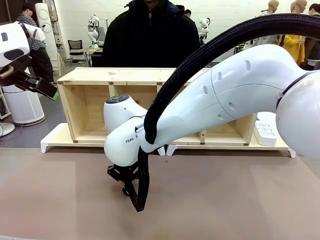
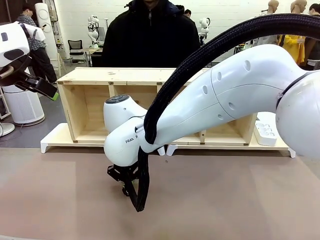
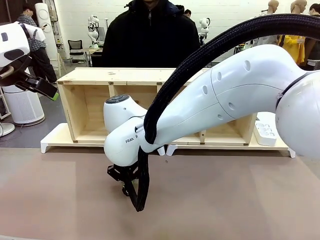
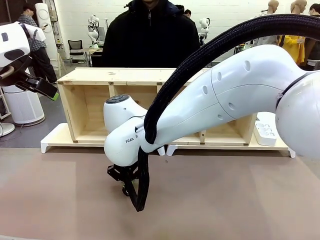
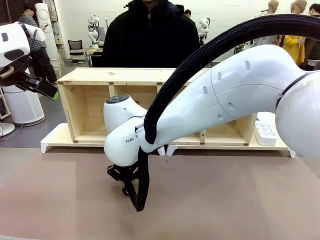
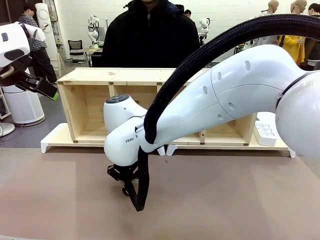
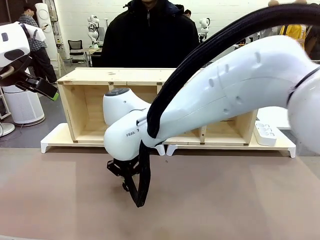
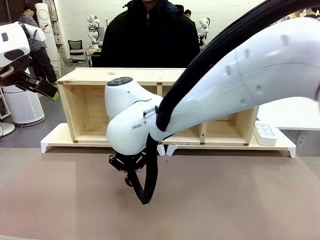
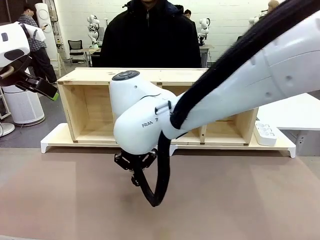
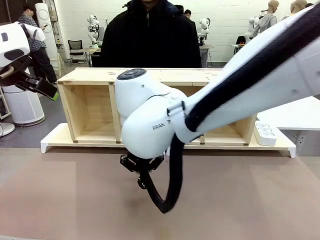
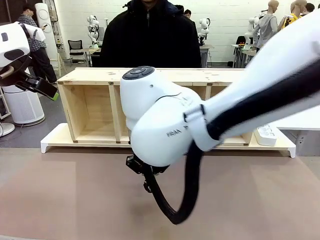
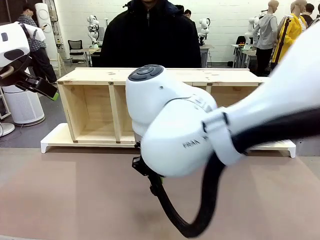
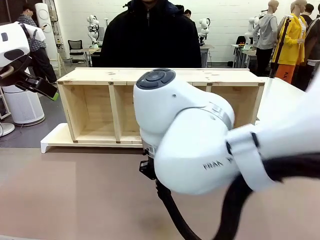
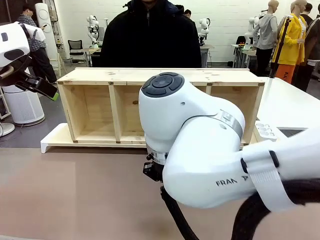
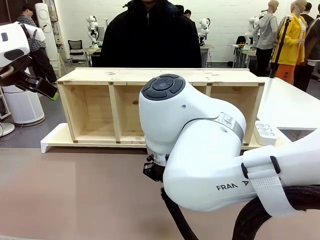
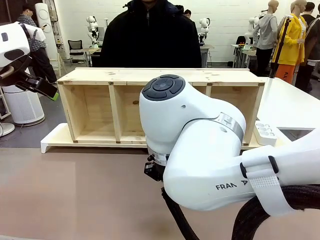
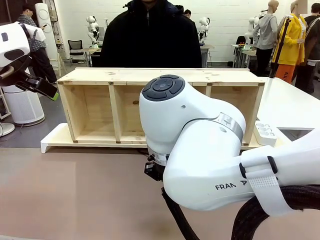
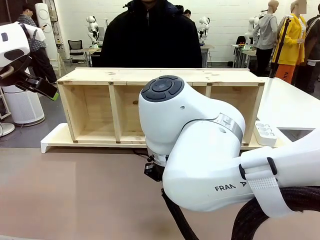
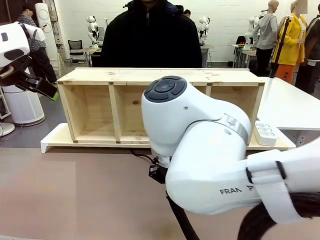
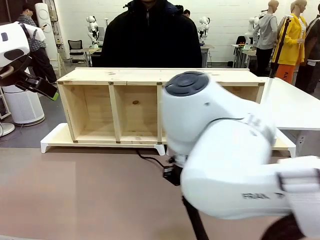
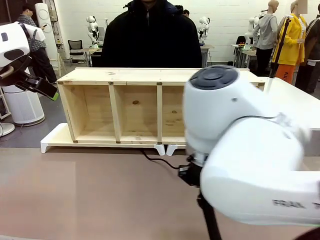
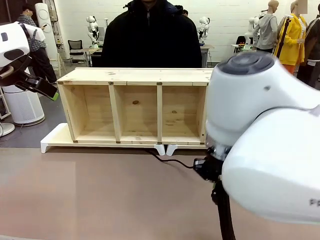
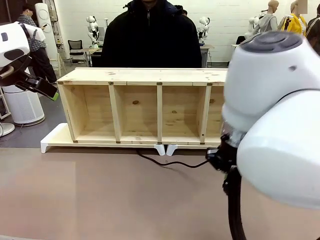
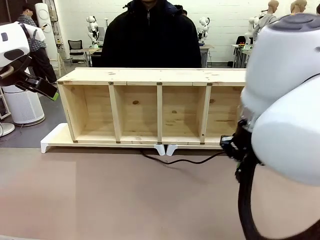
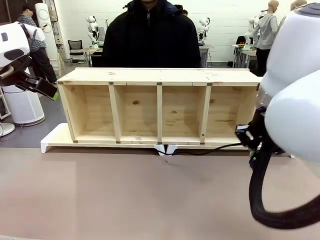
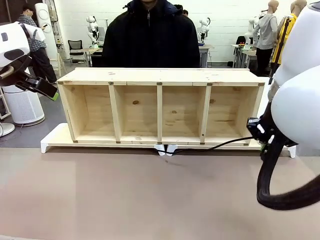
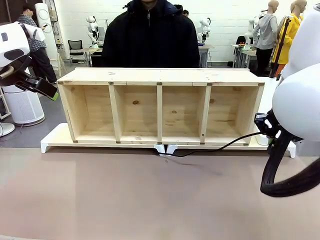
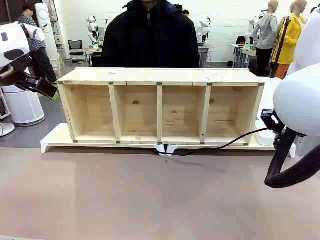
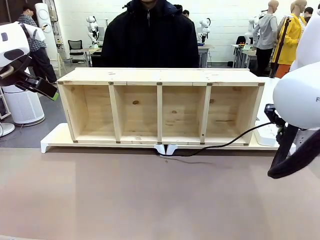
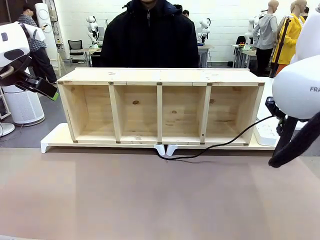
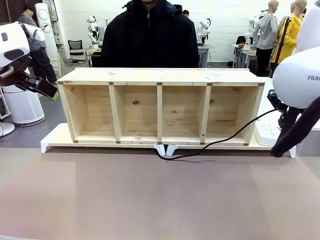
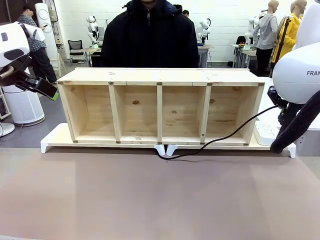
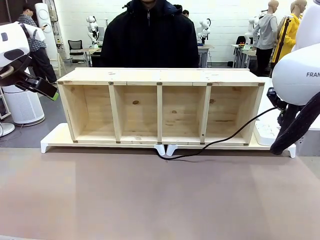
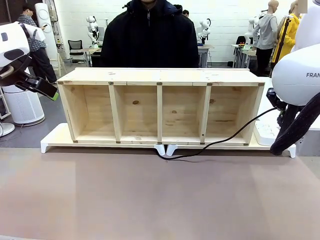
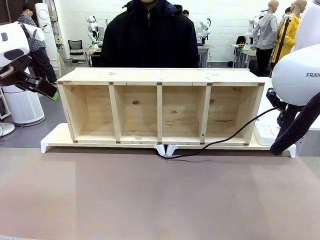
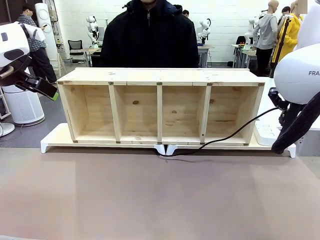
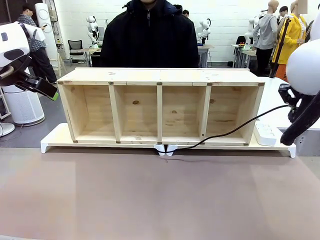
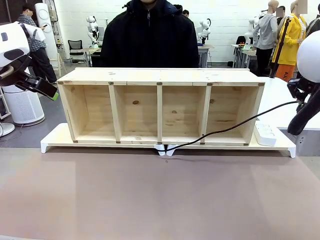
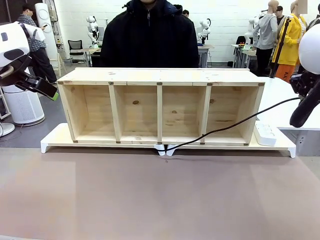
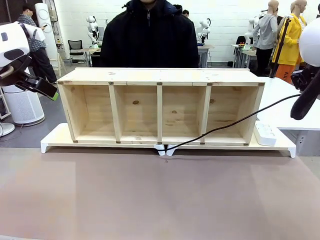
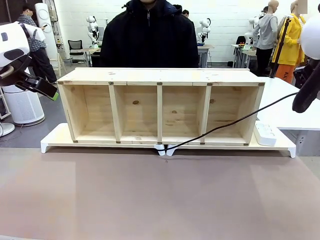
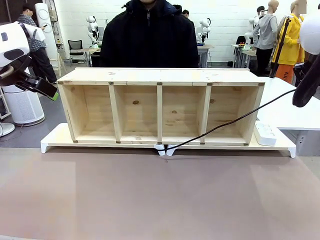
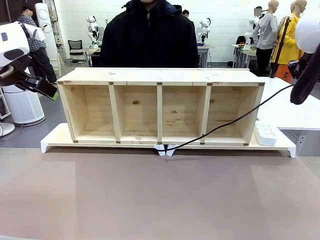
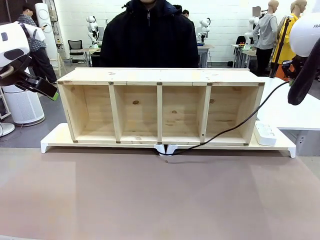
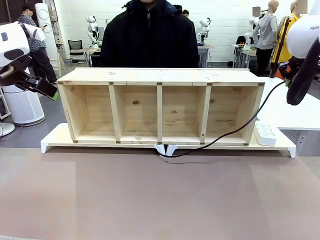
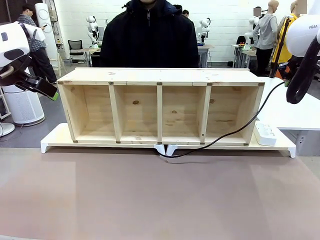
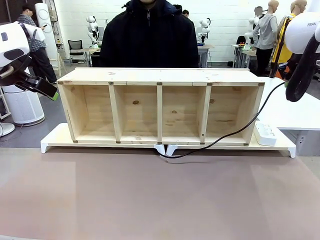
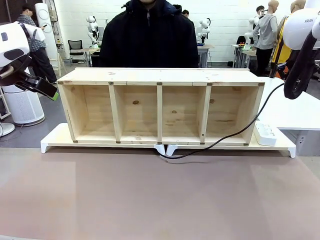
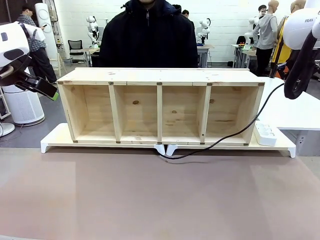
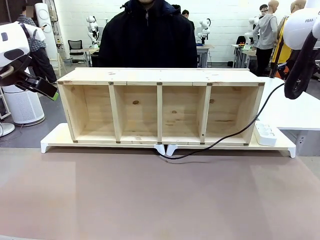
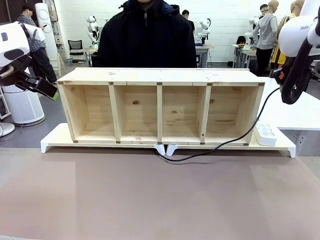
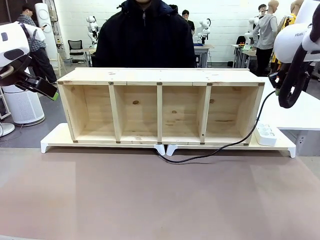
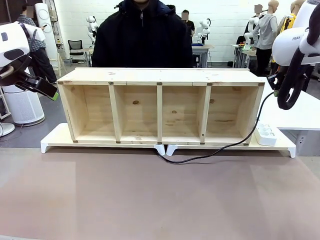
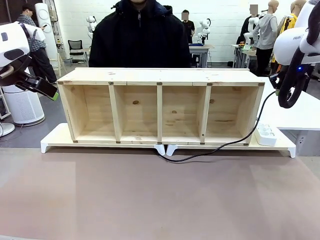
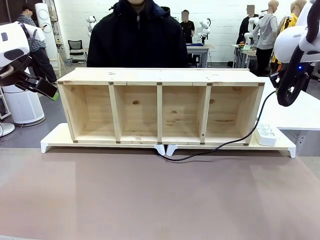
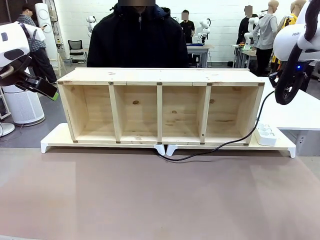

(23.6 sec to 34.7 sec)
Task: Perform cable management.
Robot: Pull the grasped Power Cable to the location of the Power Strip.

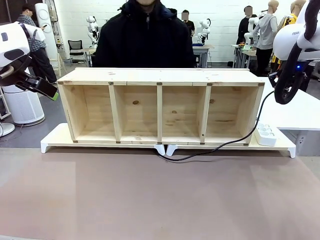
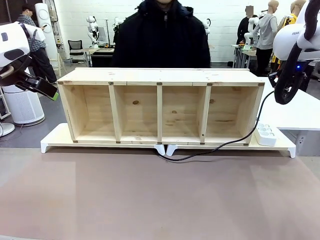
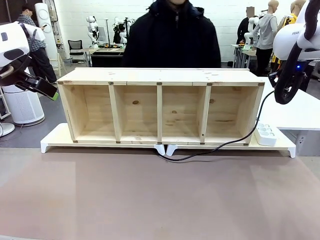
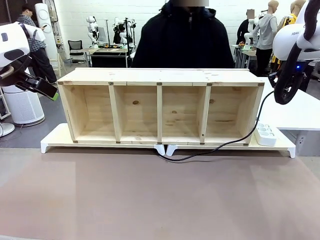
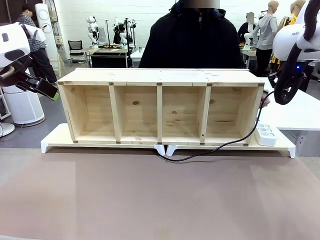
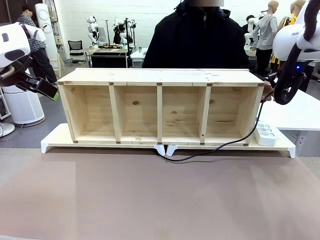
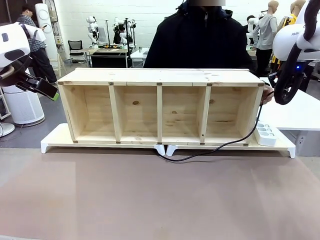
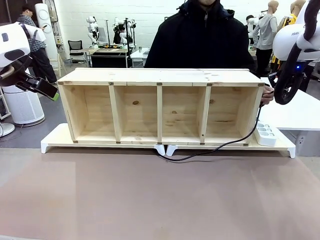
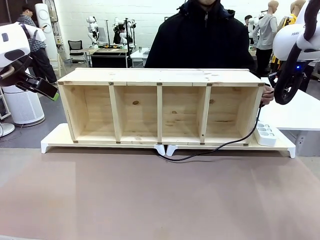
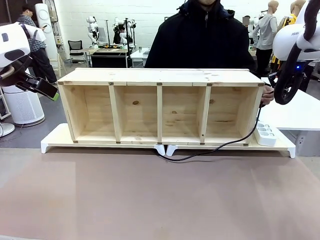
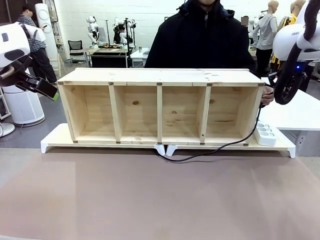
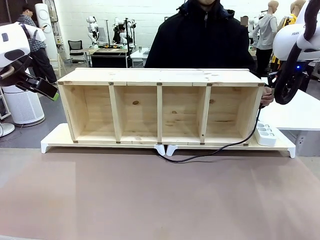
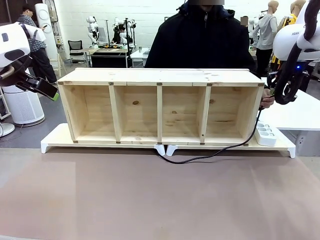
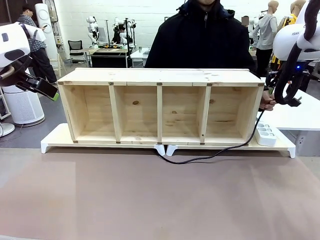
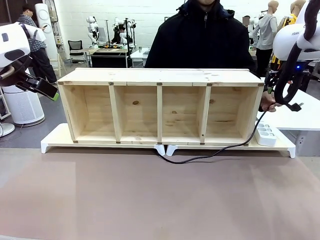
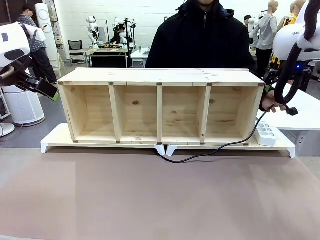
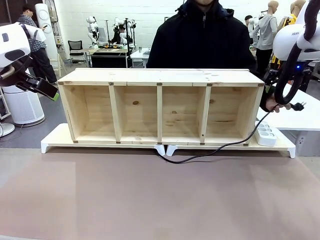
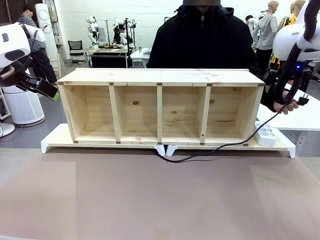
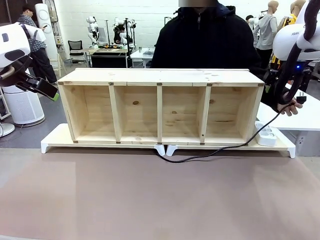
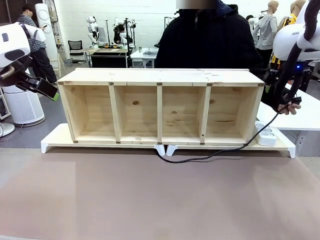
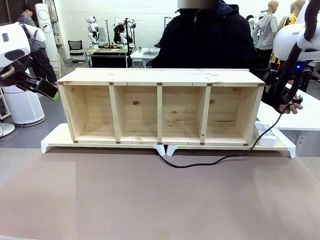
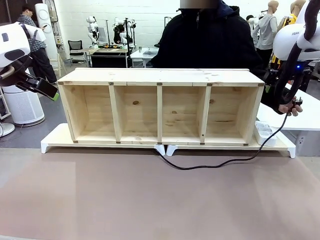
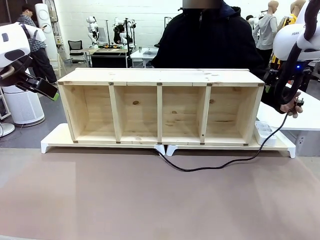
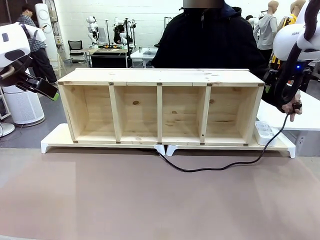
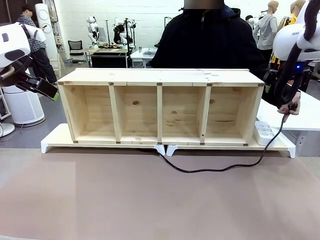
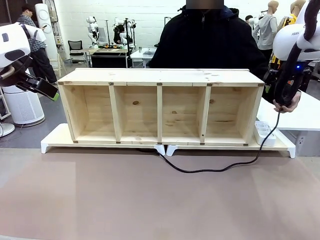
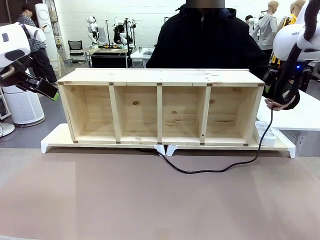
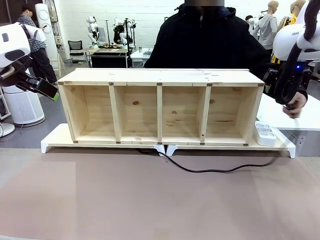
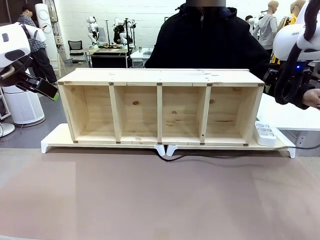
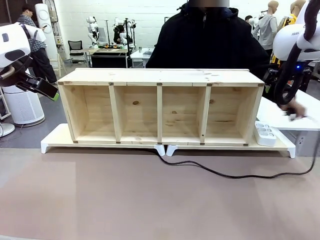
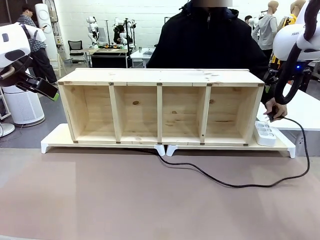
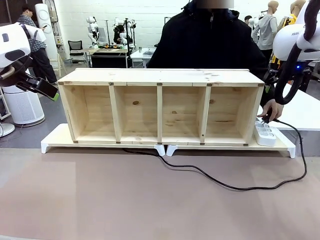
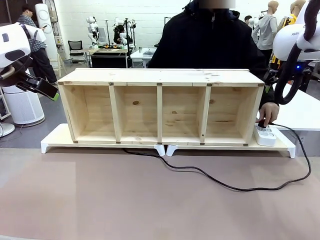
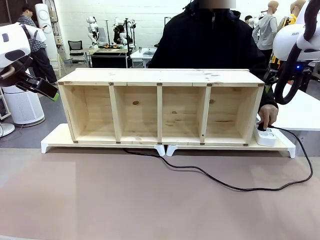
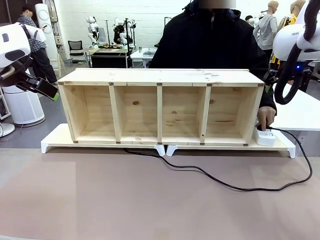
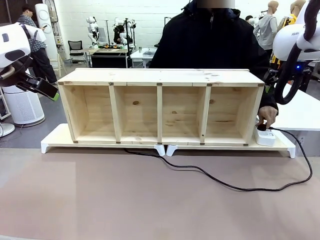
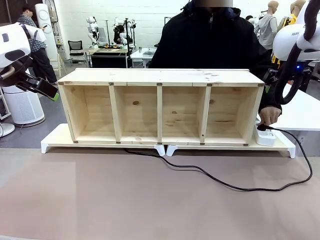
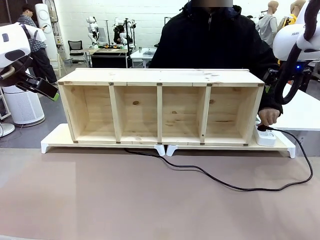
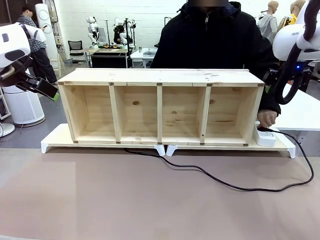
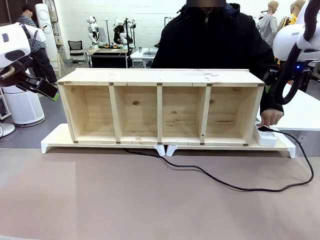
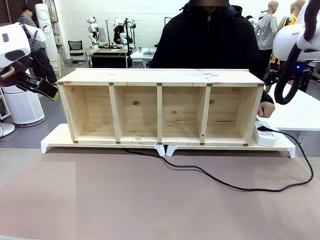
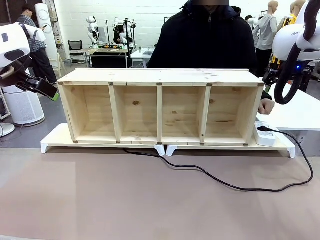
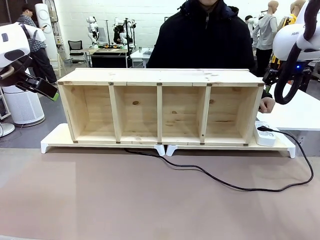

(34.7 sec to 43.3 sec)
Robot: Release the Power Cable when the human grasps it.
Person: Plug the Power Cable into the Power Strip.
